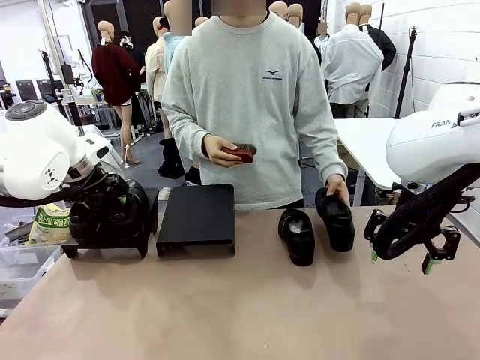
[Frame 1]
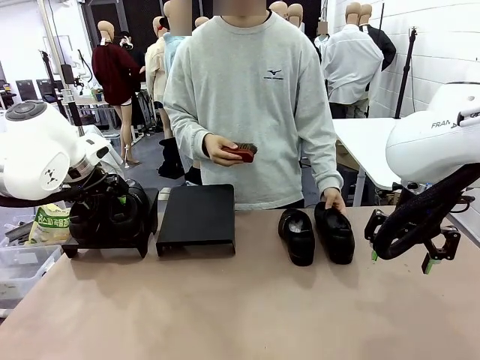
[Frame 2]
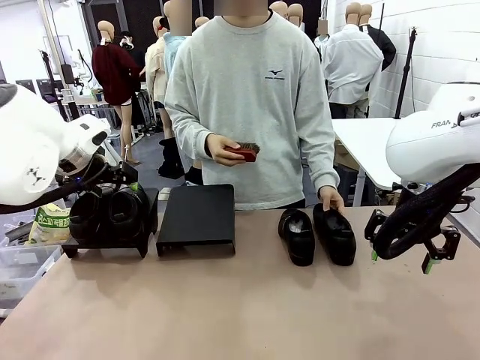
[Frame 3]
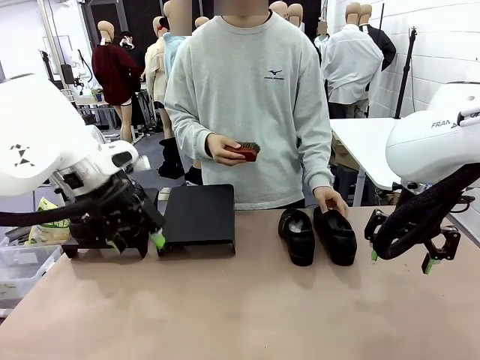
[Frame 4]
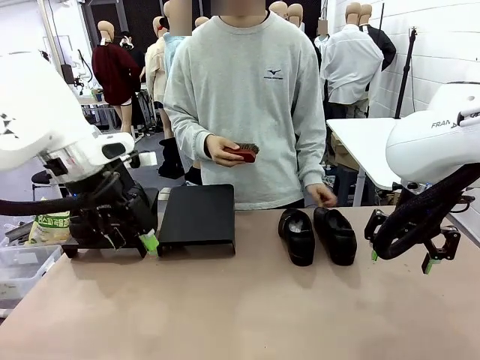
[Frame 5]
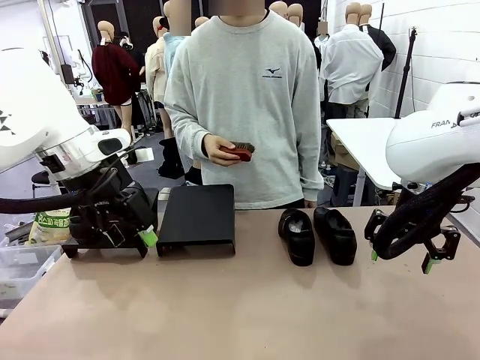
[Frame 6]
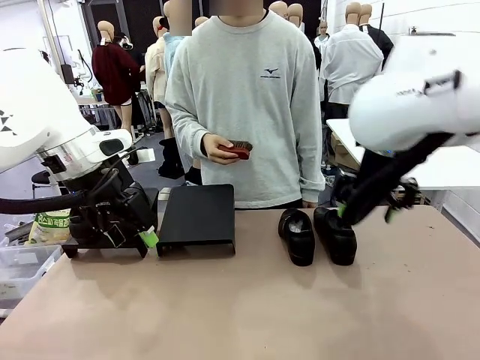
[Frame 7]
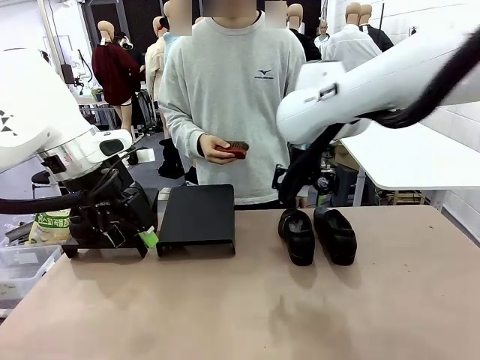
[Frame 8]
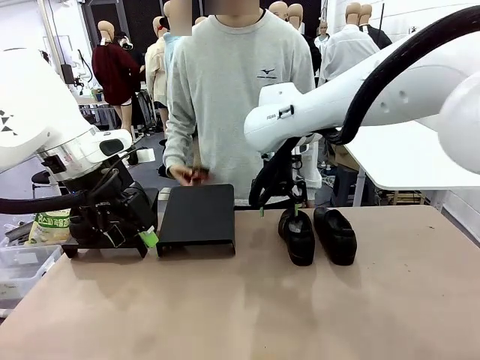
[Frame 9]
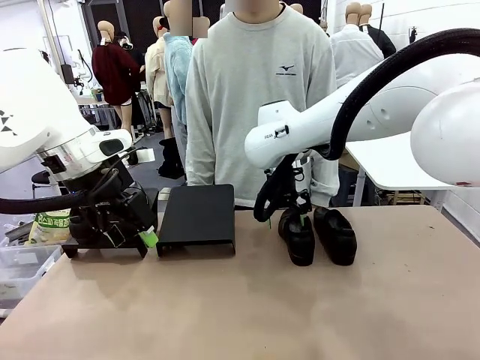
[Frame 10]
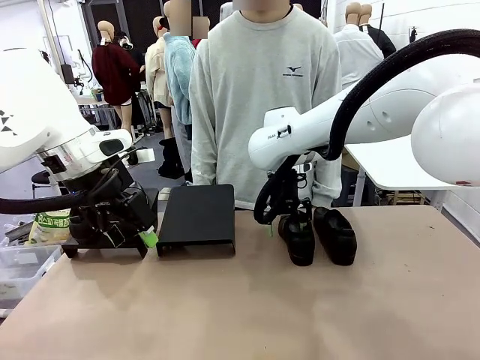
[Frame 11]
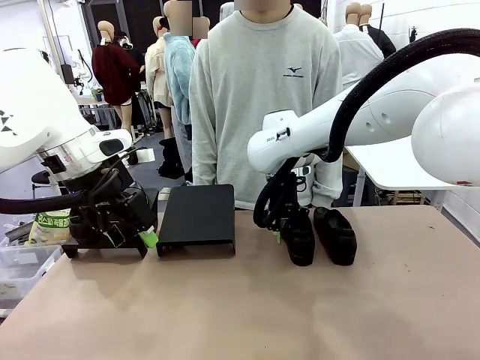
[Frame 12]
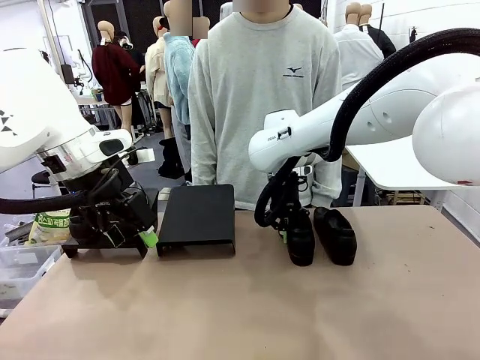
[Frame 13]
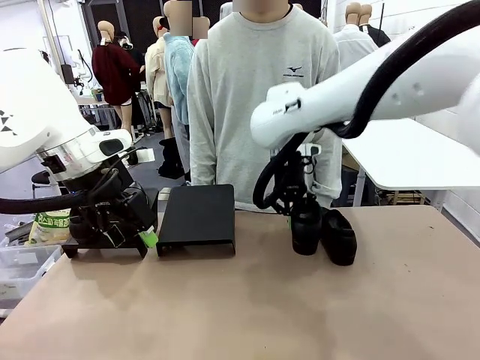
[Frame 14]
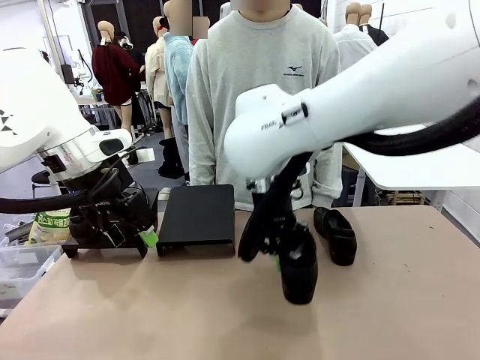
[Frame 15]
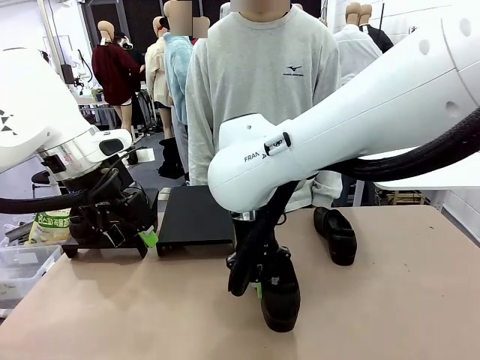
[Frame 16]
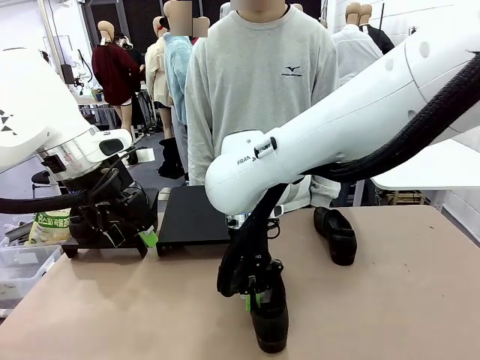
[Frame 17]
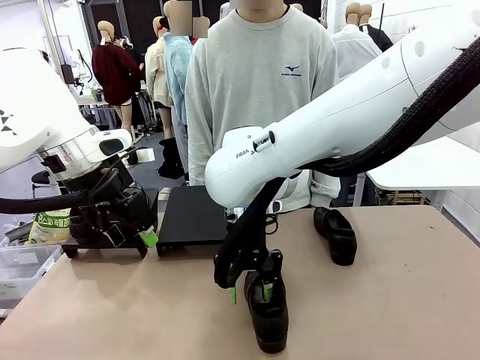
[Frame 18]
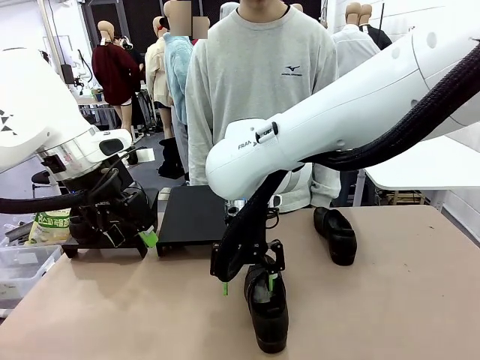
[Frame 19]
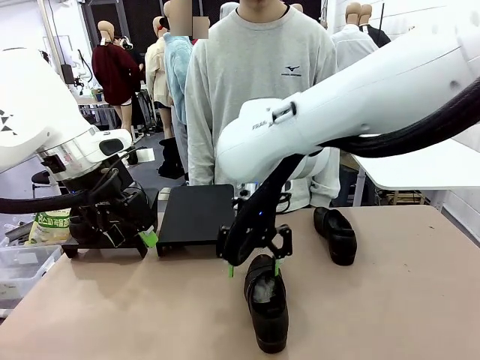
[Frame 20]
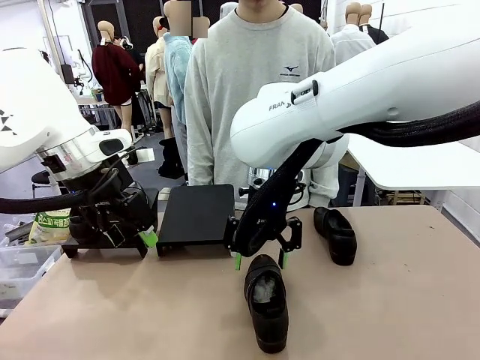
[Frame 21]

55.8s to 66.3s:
Task: Organize the shoes by placing them on the stand.
Robot: Pick up one Shoe and place it in the middle of the table.

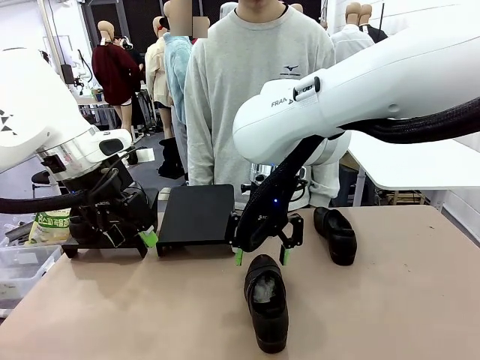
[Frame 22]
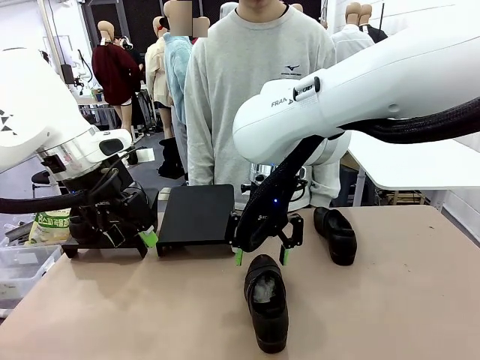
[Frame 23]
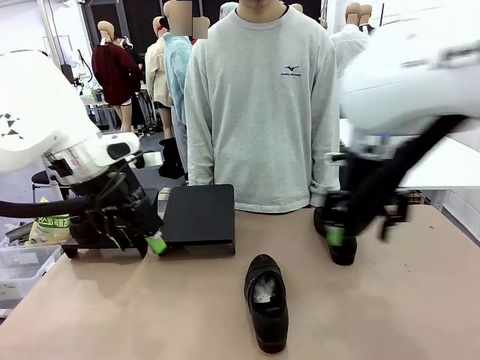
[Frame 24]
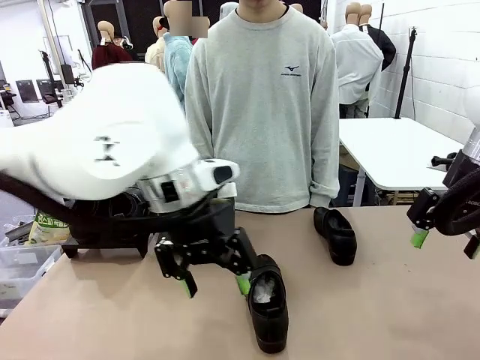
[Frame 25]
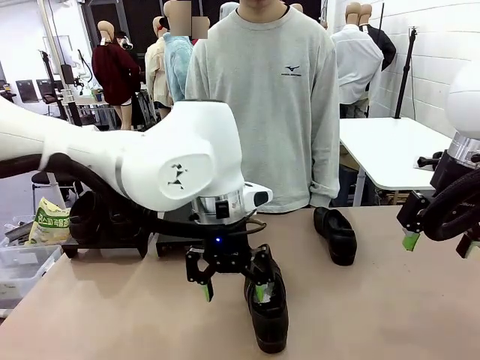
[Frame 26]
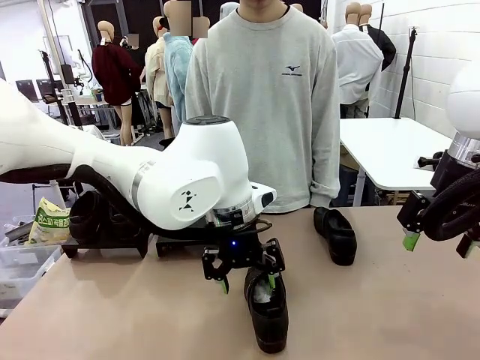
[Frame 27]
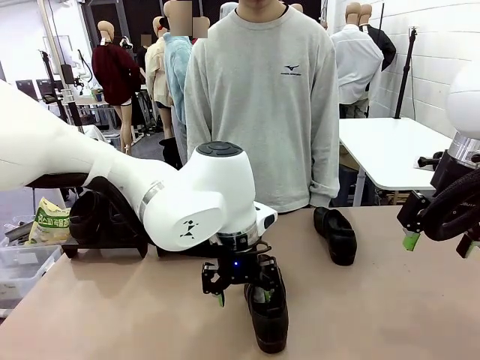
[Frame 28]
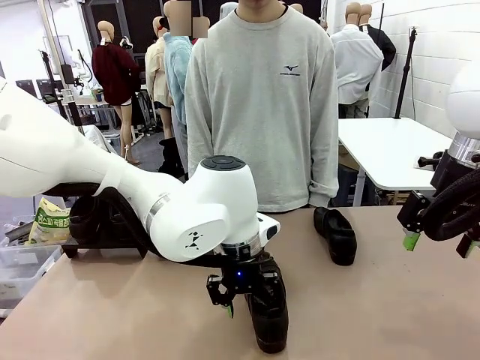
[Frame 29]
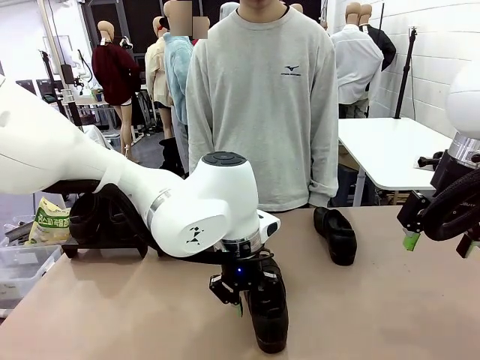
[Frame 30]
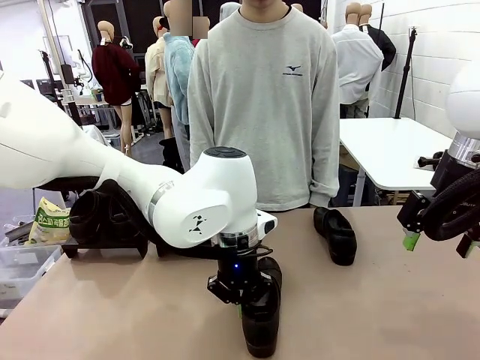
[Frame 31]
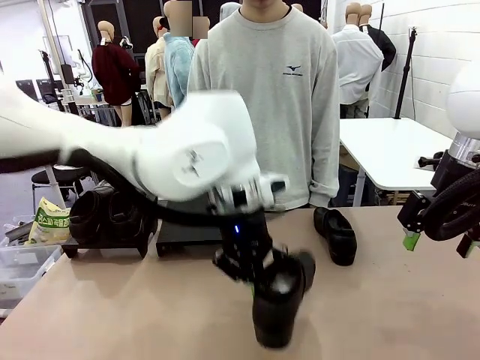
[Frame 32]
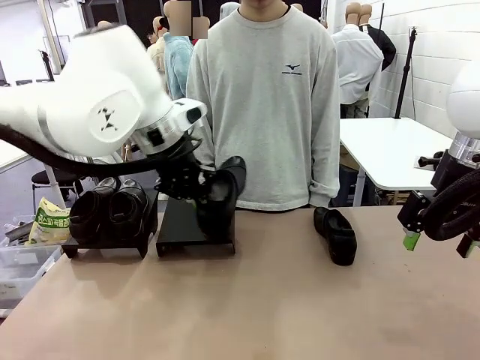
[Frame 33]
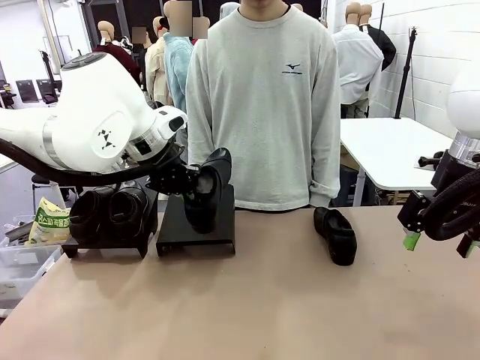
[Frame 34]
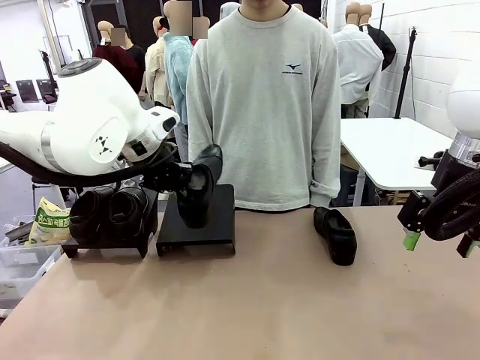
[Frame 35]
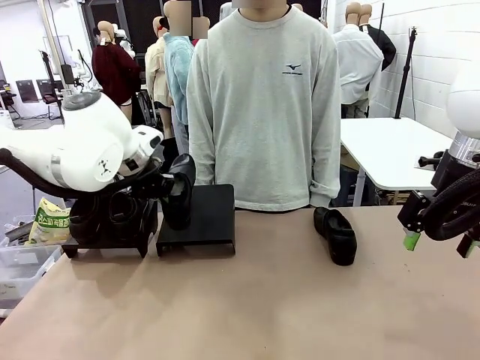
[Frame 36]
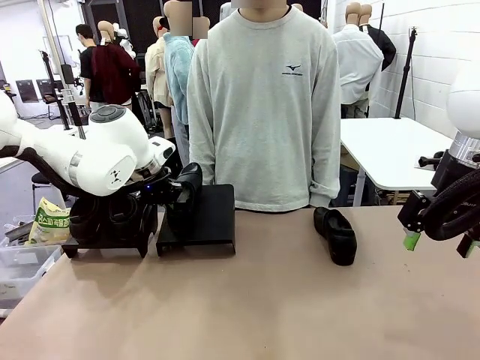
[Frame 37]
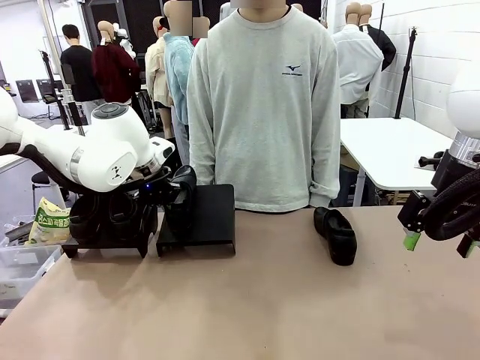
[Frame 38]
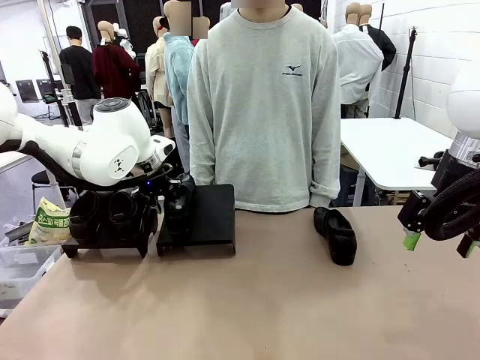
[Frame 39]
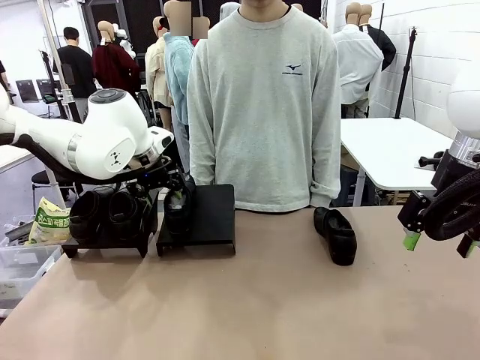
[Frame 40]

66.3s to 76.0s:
Robot: Place the Shoe from the middle of the table onto the Shoes Stand.

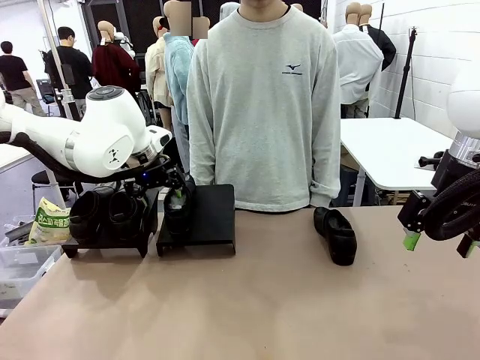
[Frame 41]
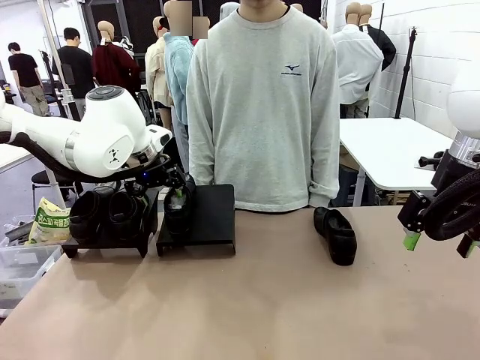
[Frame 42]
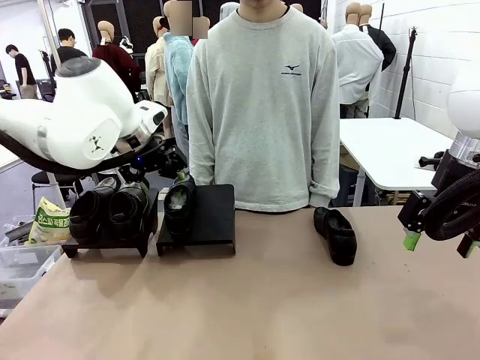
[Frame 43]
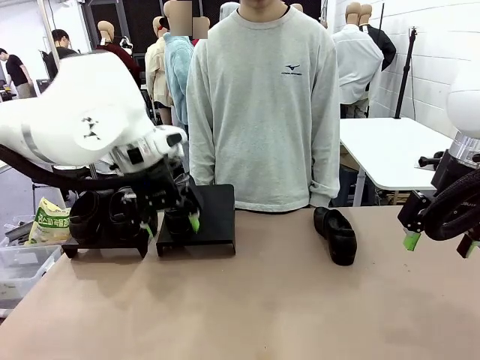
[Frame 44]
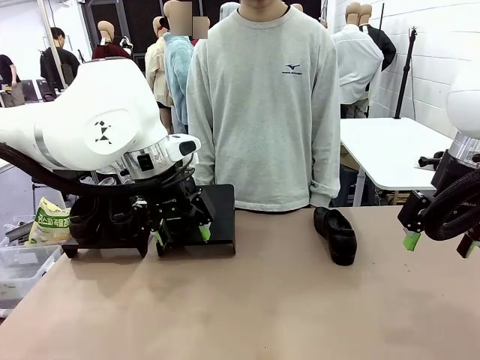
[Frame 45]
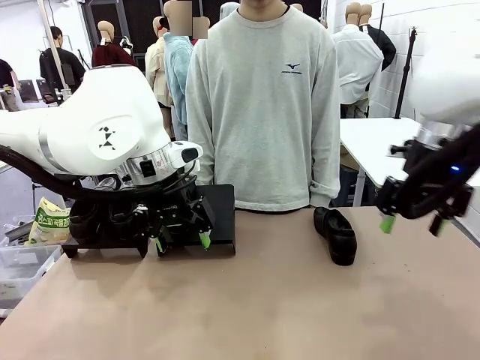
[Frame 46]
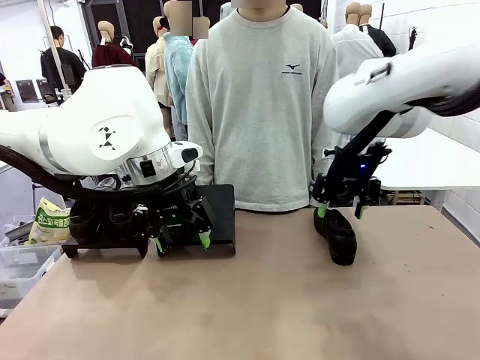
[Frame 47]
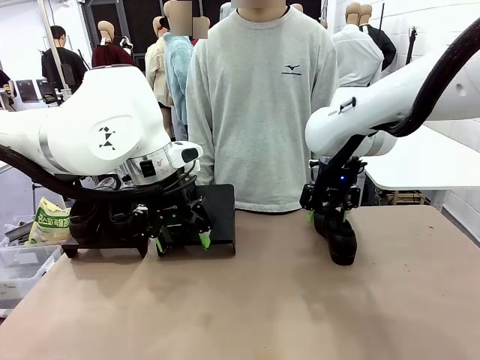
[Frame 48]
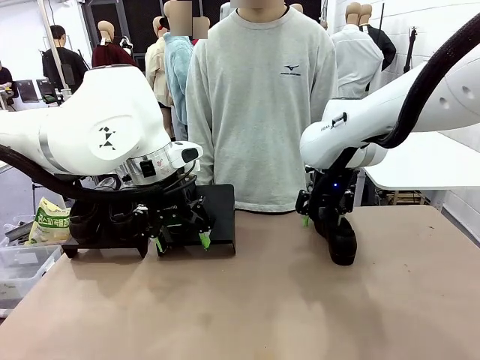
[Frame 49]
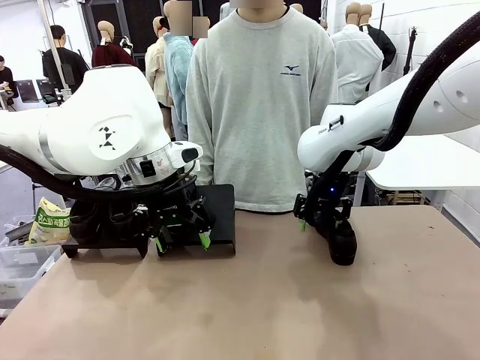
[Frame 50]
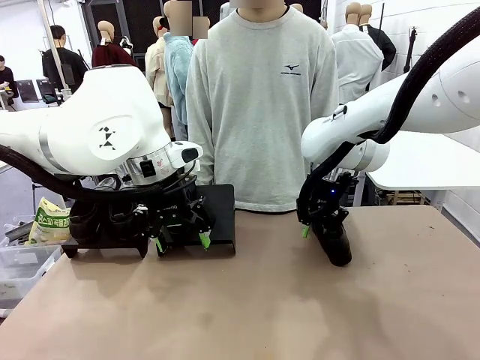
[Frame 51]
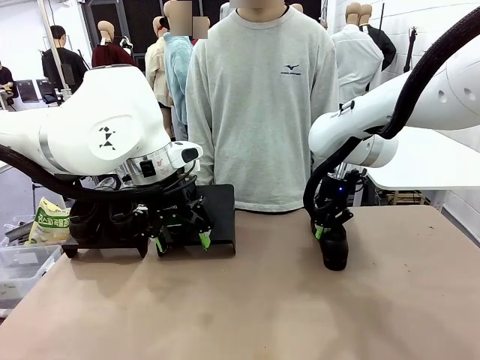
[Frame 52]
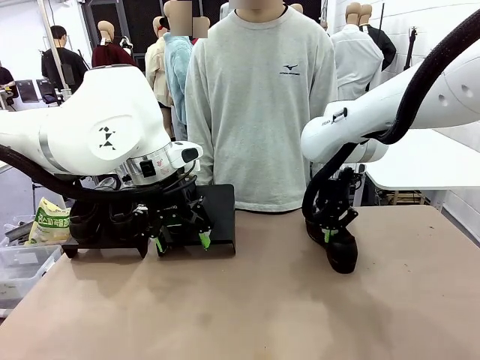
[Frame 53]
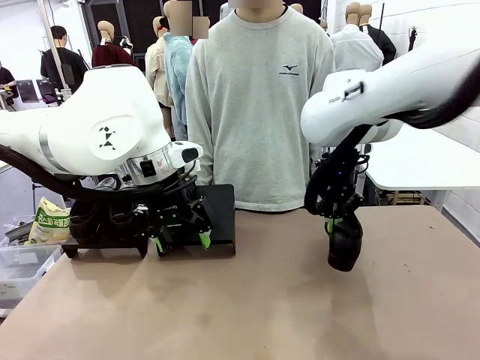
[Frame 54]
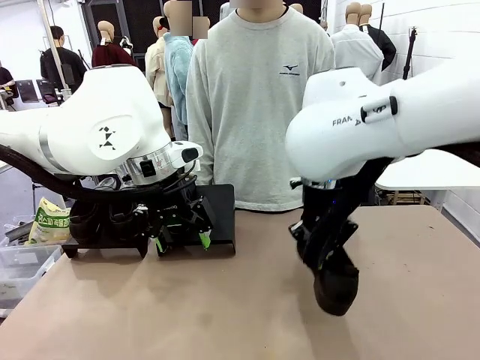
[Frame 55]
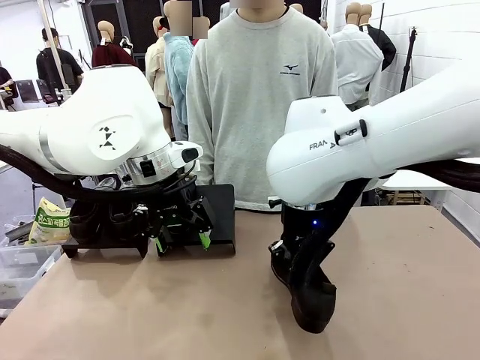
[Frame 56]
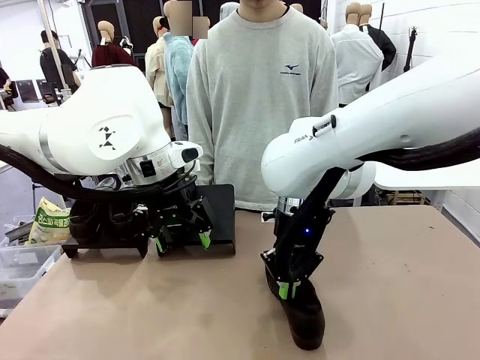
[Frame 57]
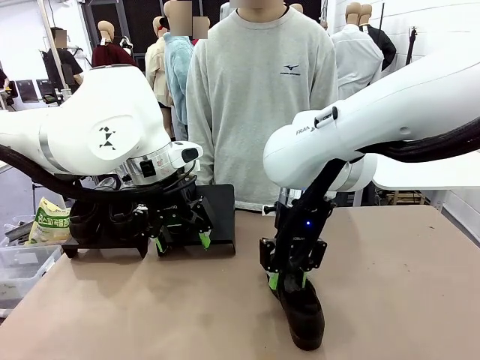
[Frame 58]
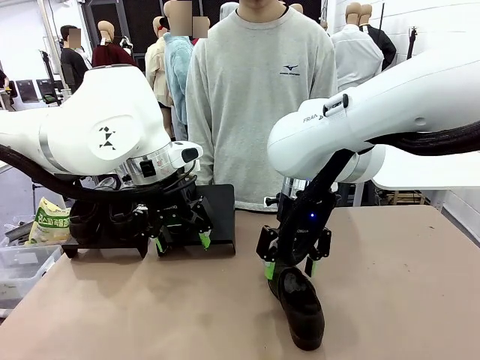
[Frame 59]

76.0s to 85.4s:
Robot: Pick up one Shoe and place it in the middle of the table.
